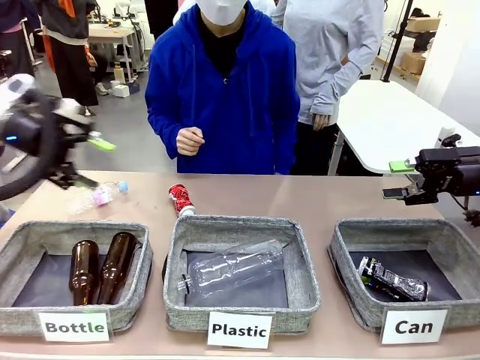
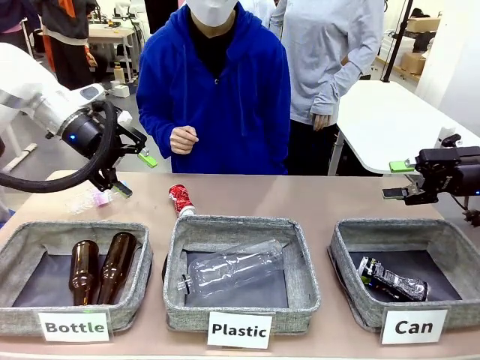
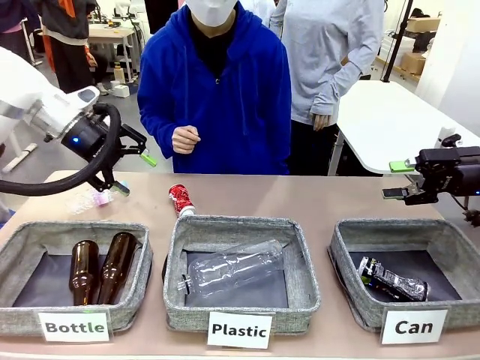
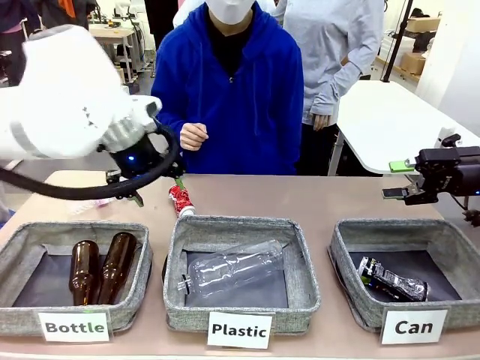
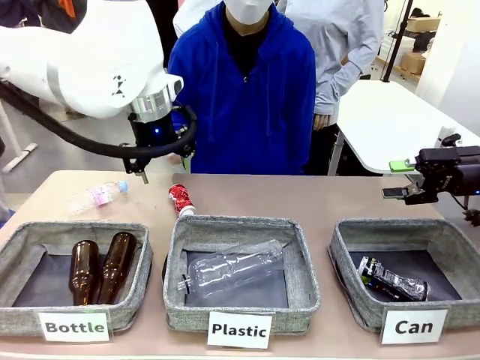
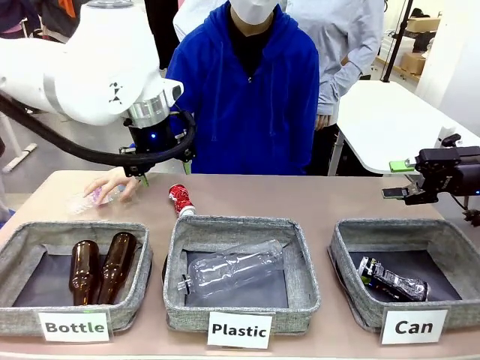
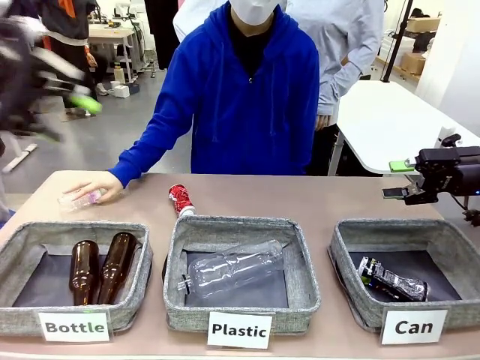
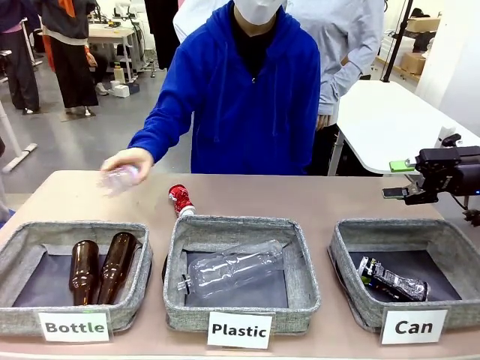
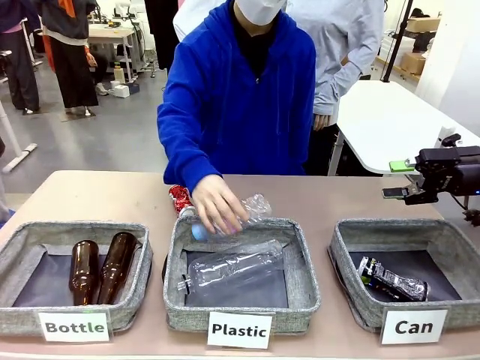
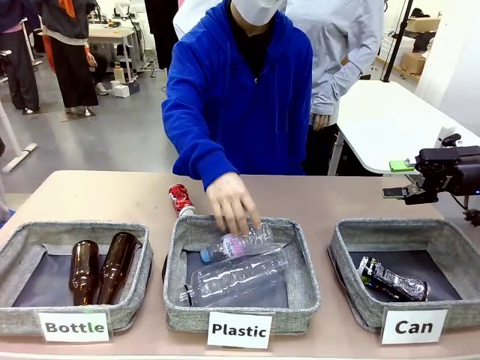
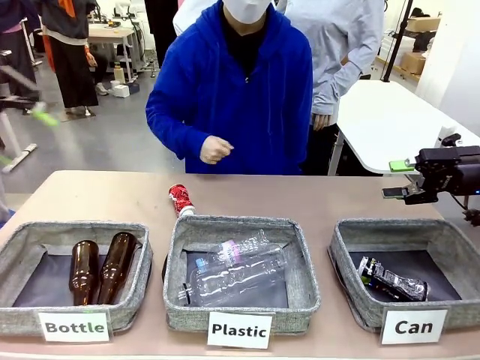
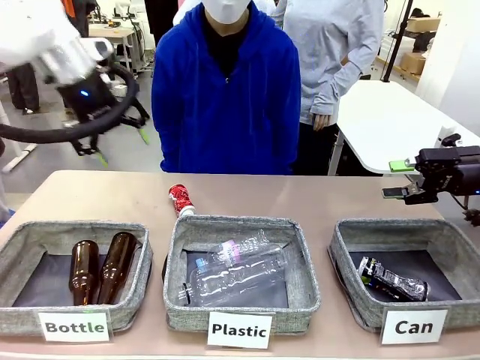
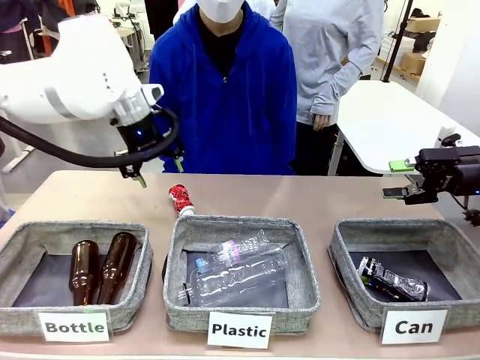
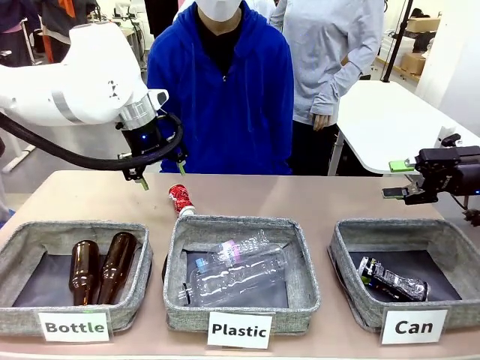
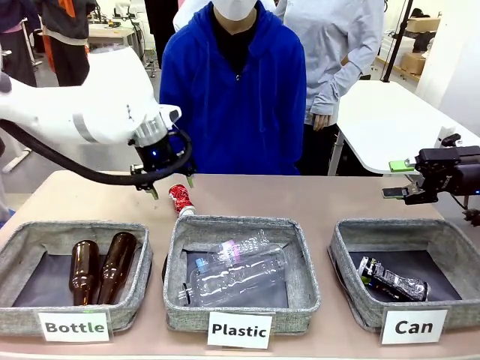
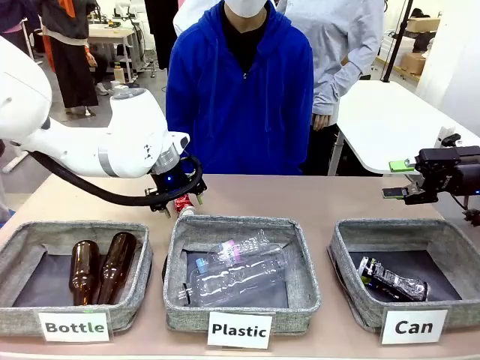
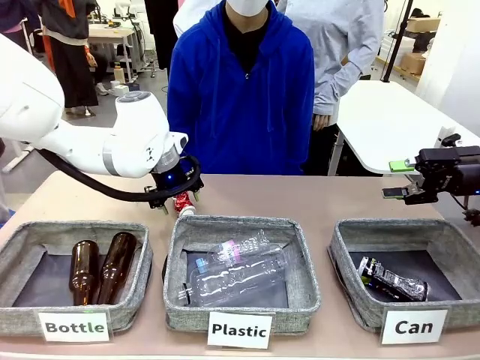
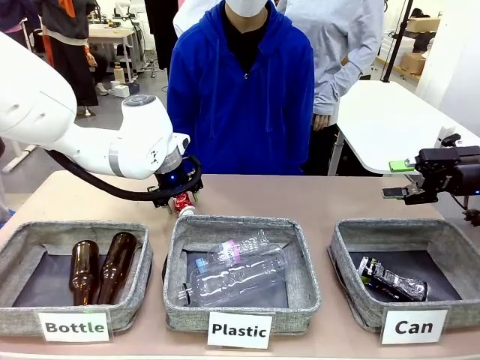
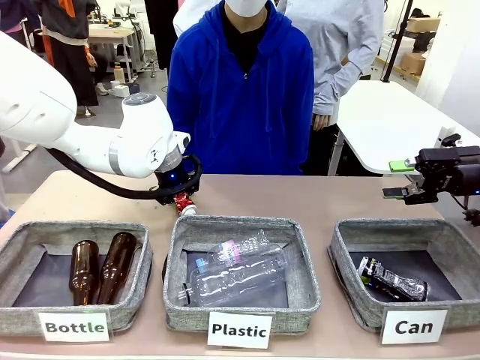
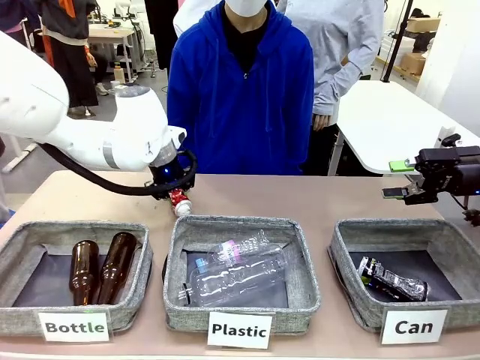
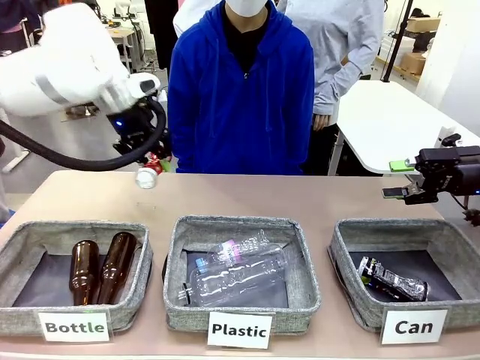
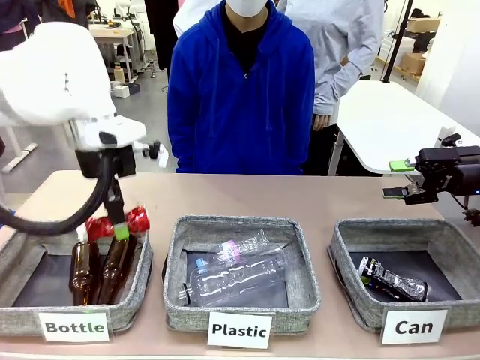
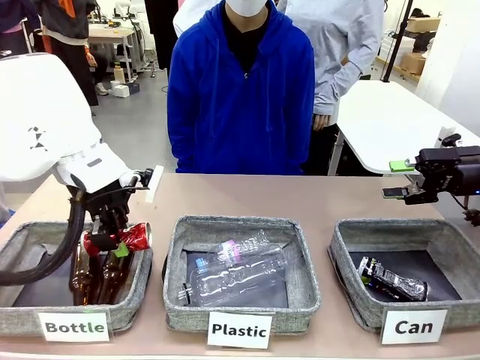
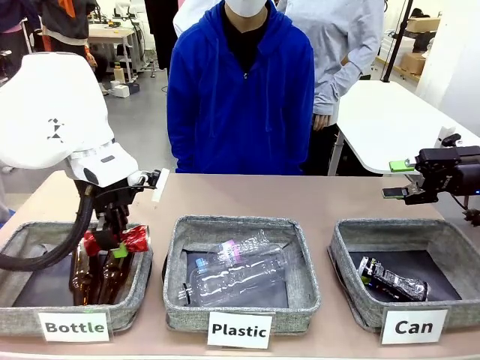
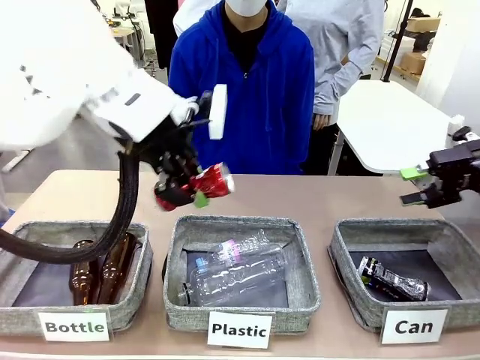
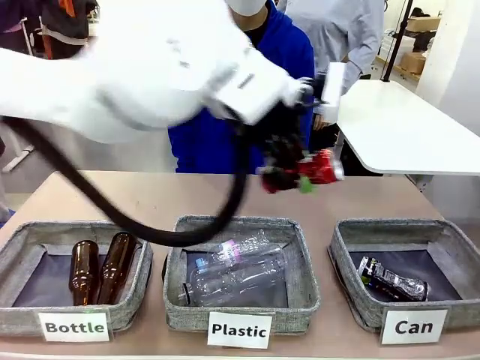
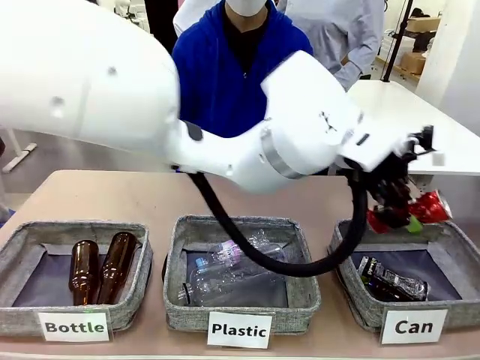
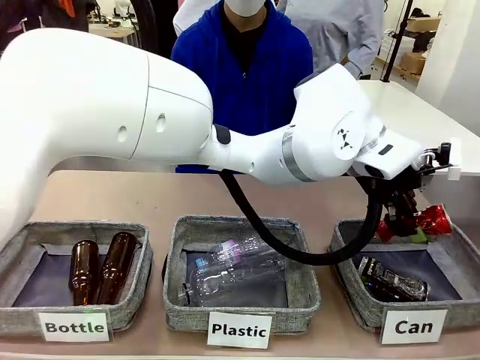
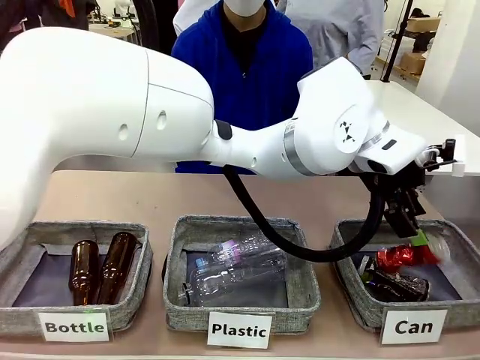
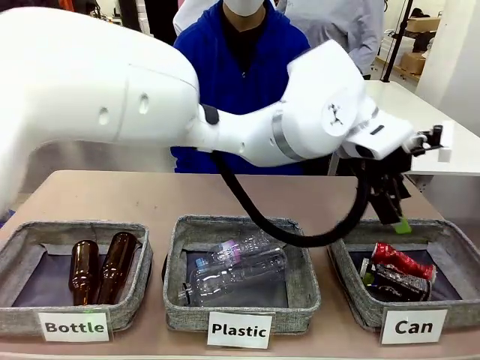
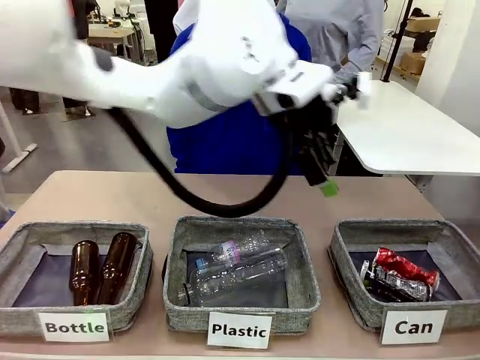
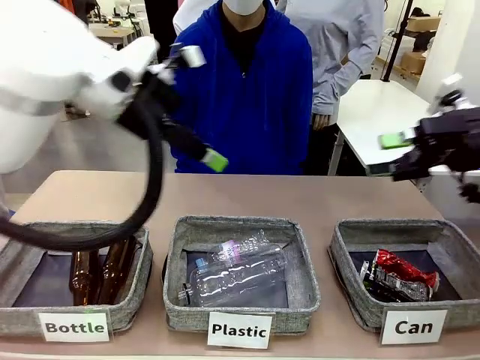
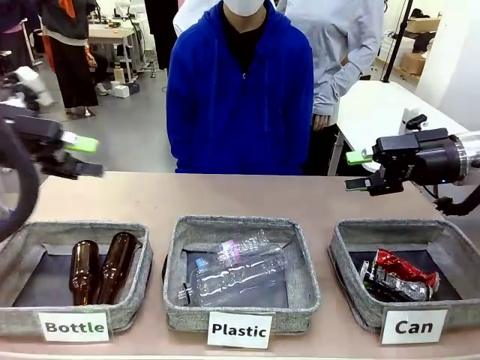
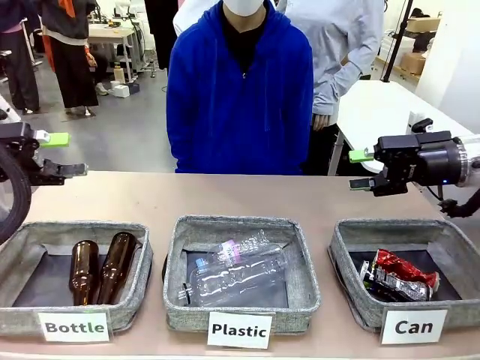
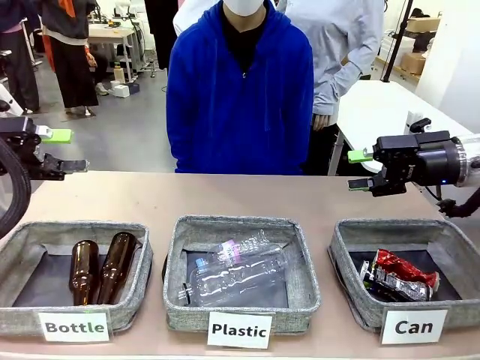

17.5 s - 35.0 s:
Task: Sort the can waste into the basket.
Robot: Pick up the can waste from the table and place it in the right Fabric basket.
